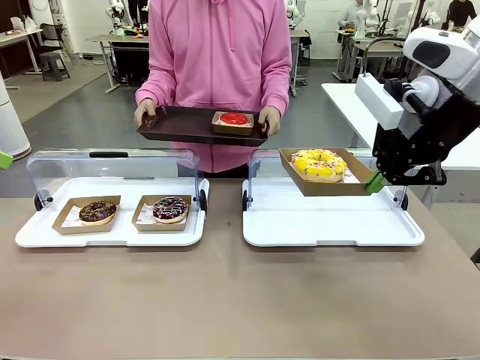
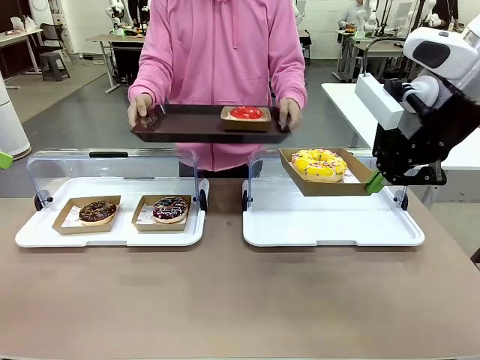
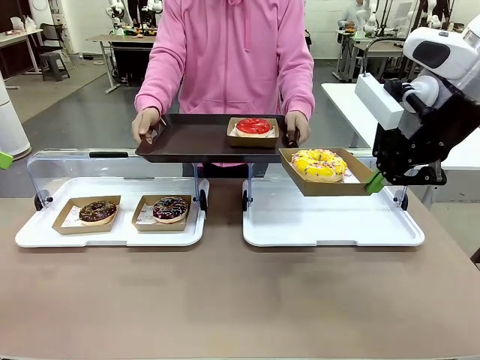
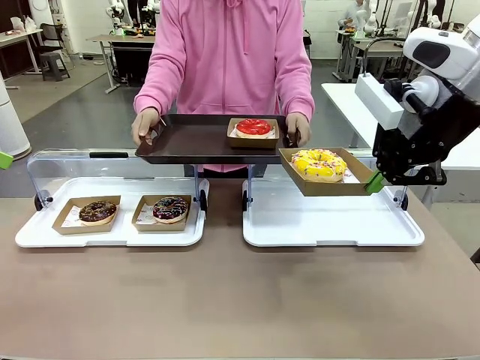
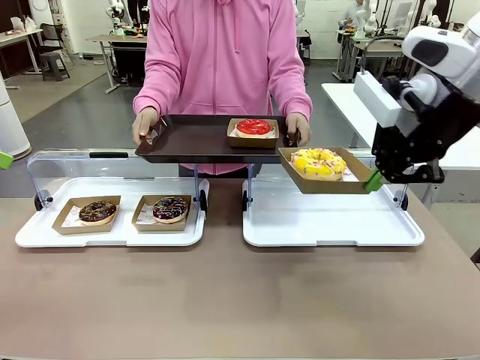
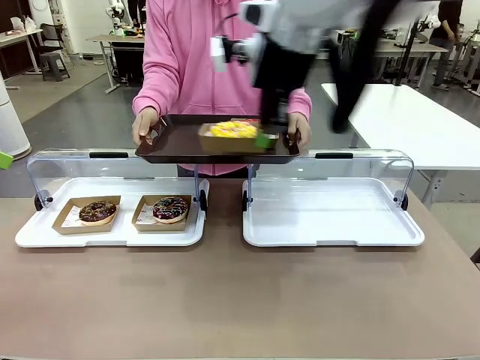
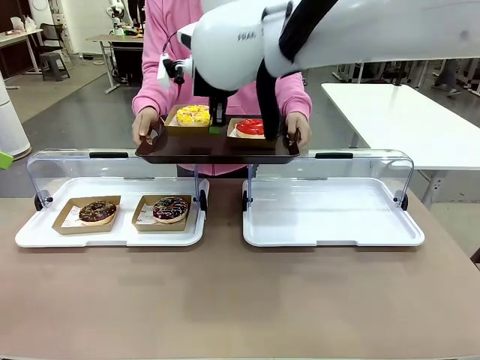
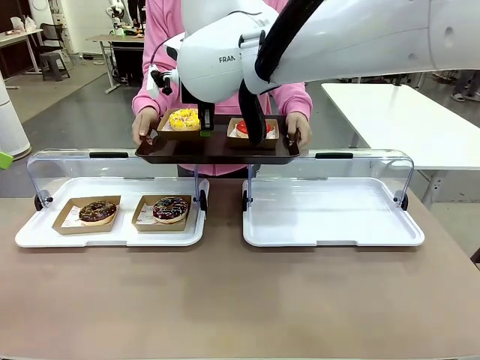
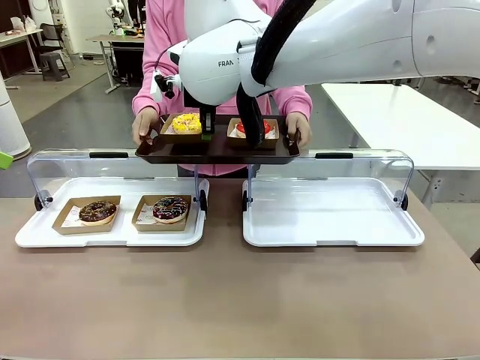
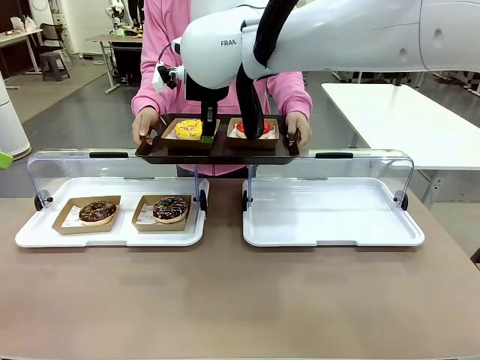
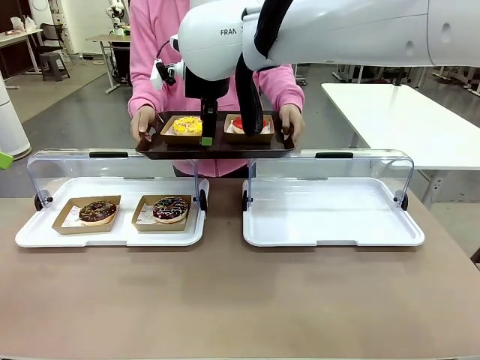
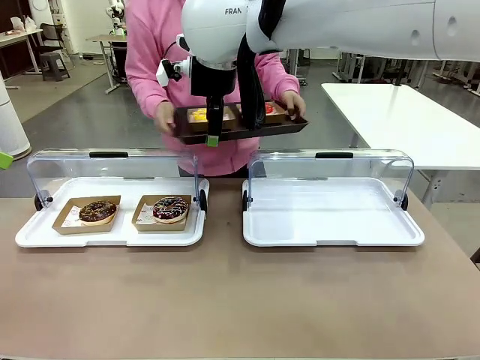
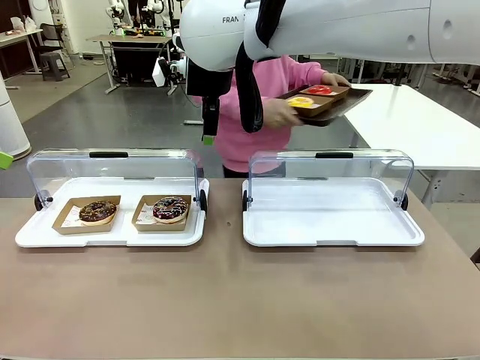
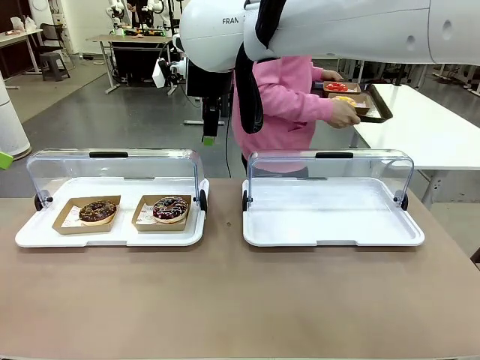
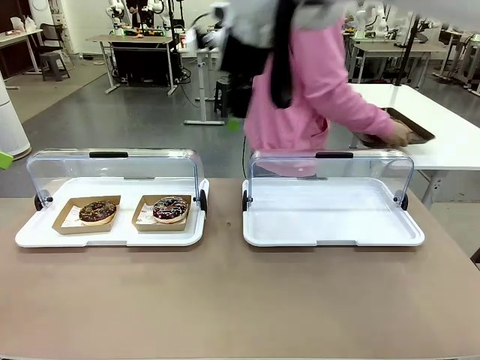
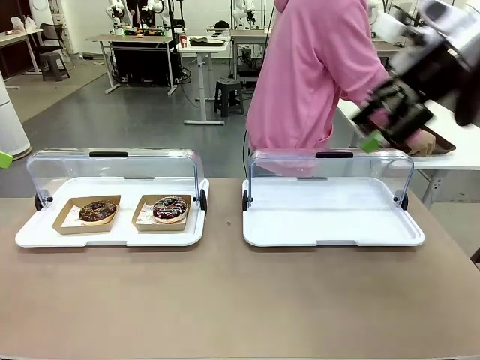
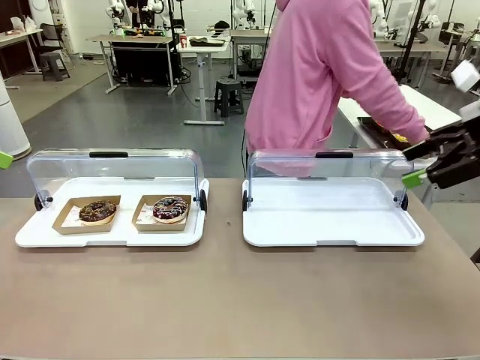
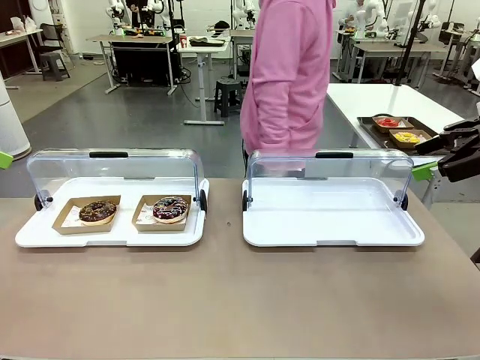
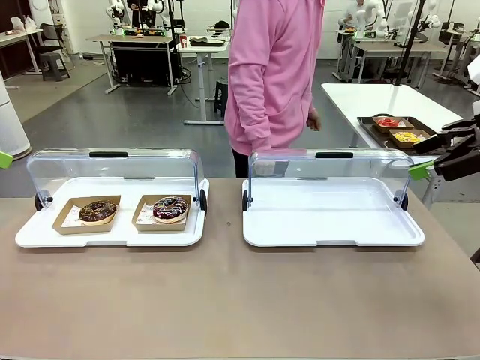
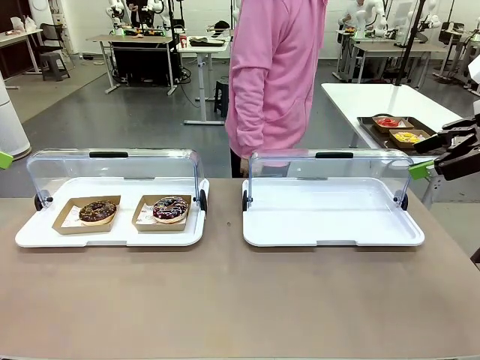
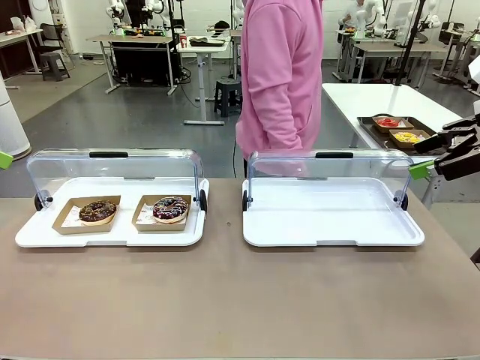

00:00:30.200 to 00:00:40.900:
Task: Provide the desired donut to the person.
Robot: Place the picked Paper togo box onto the Handle tray extended by the person.
Person: Place the tray in the middle of the human table.

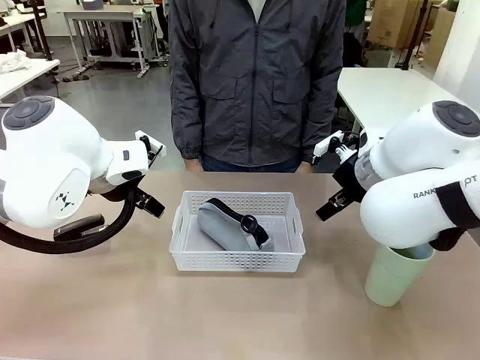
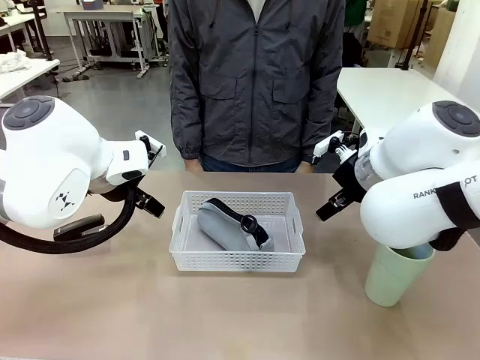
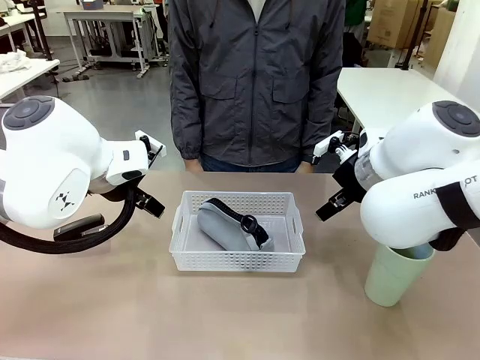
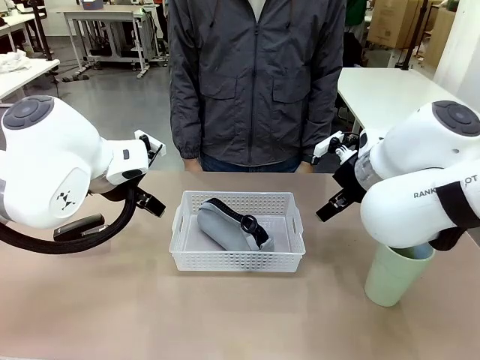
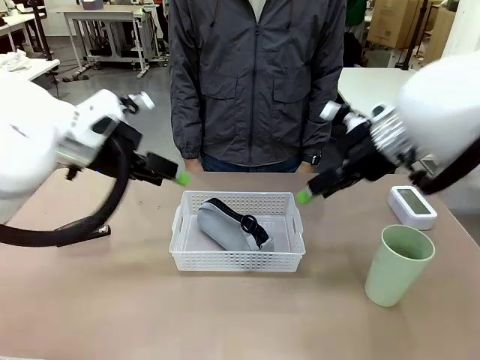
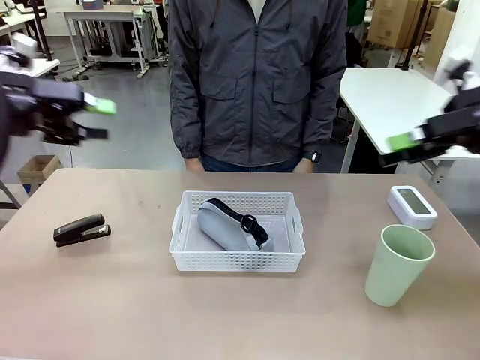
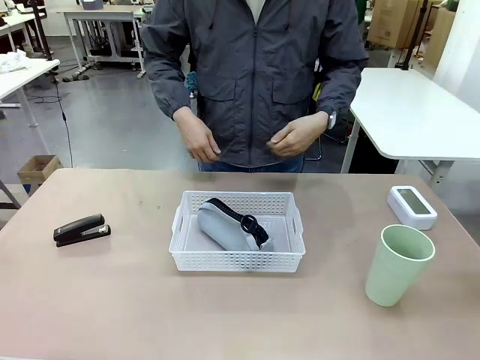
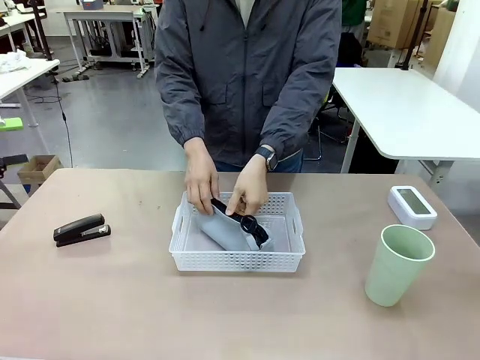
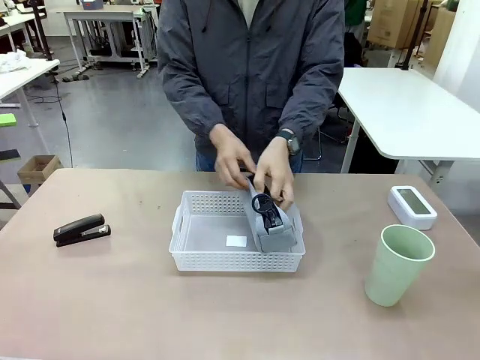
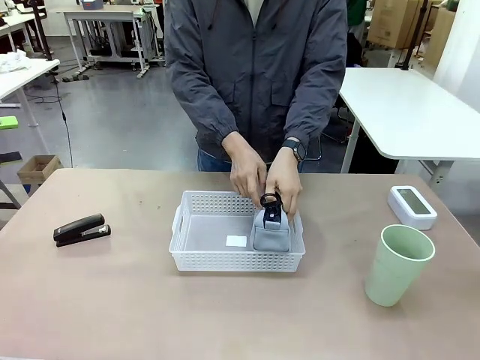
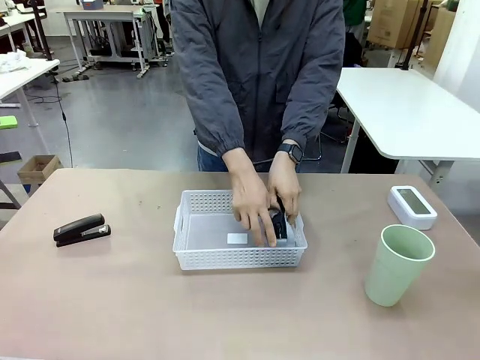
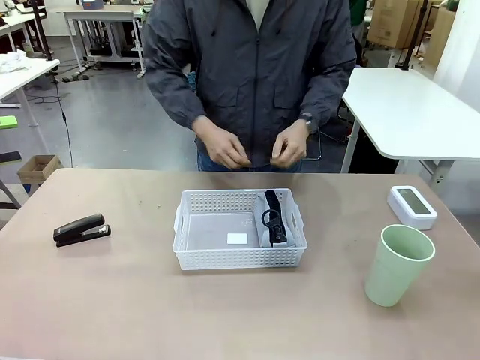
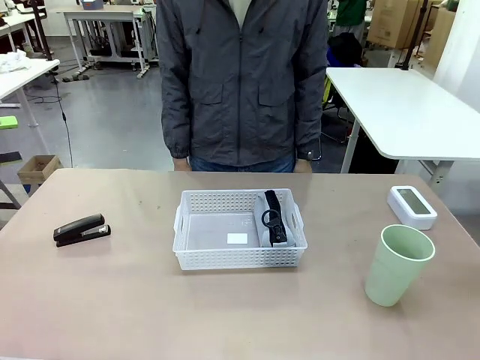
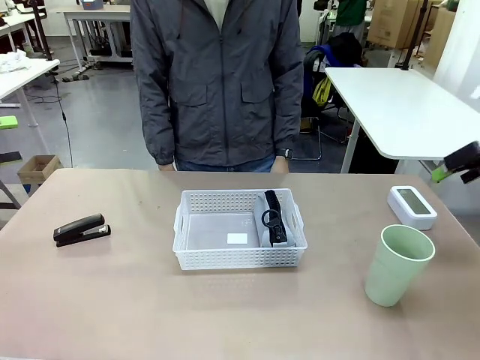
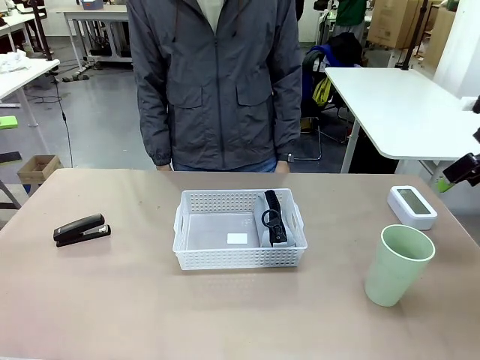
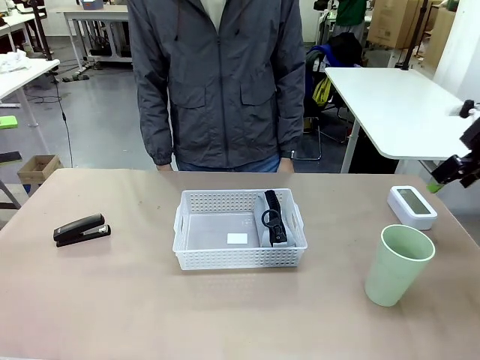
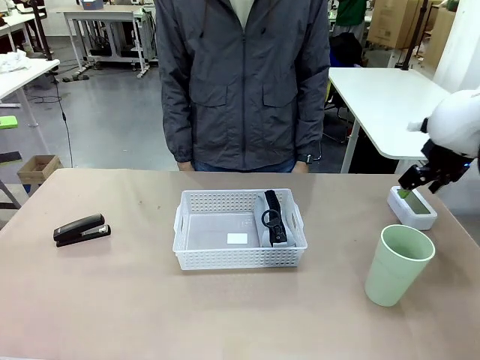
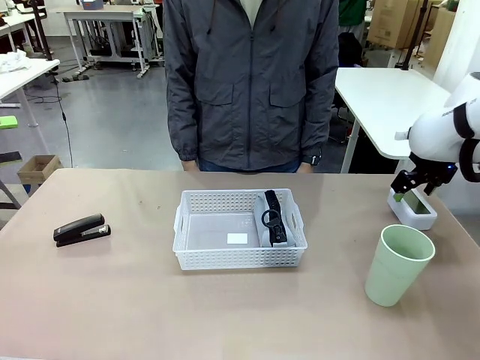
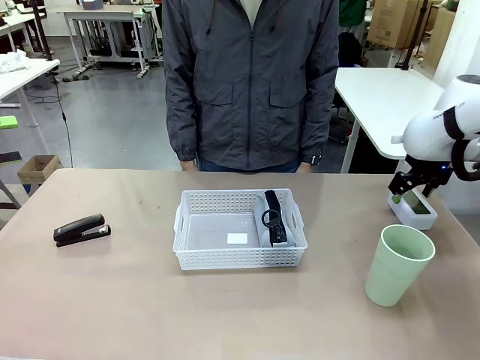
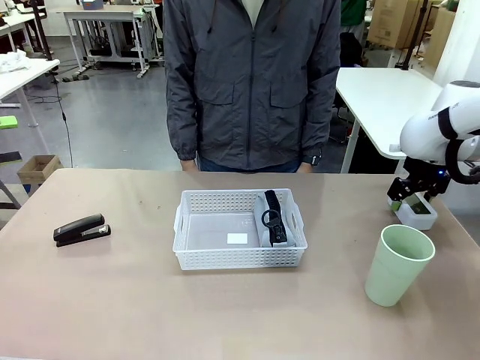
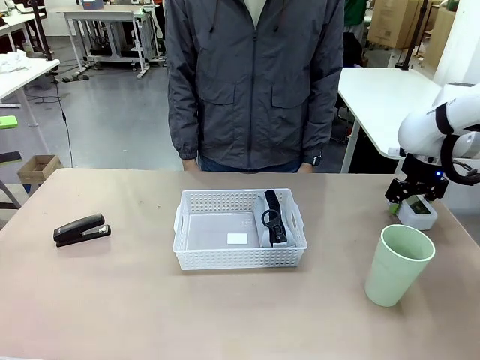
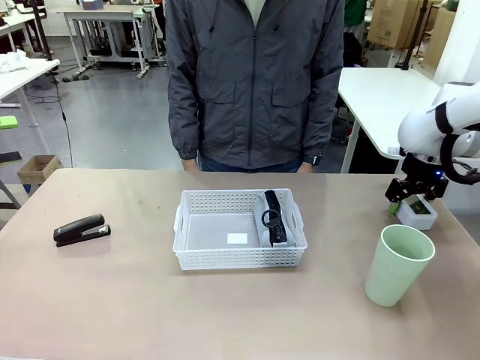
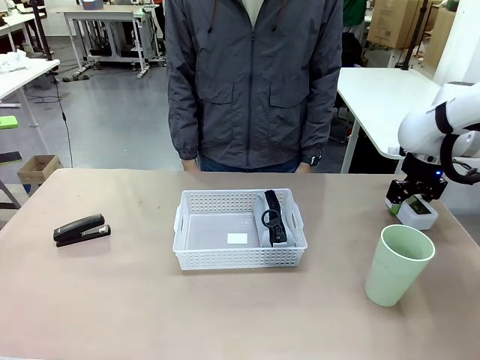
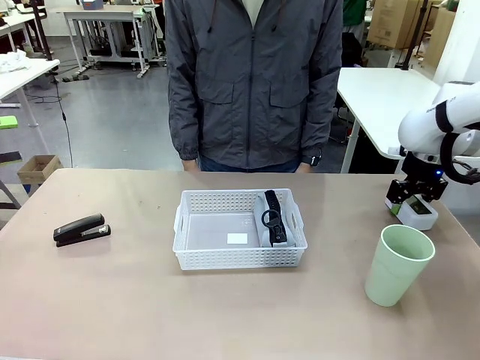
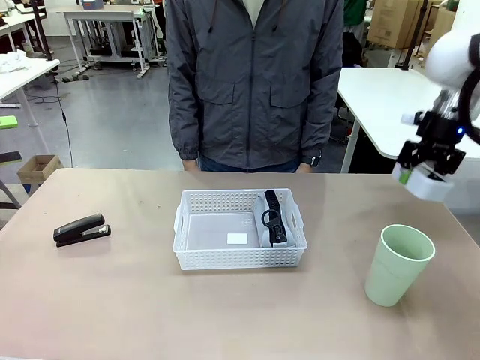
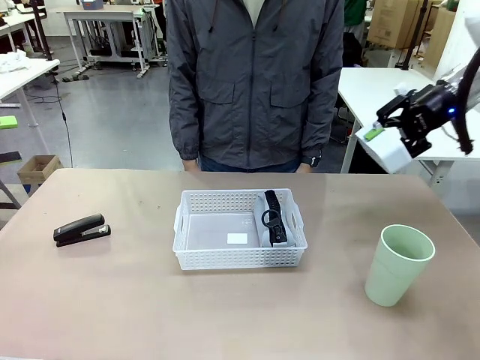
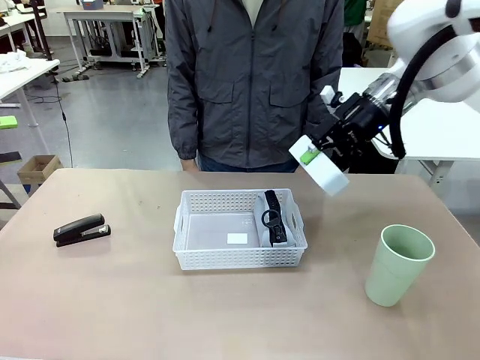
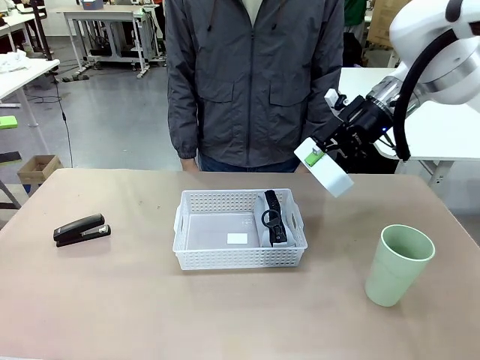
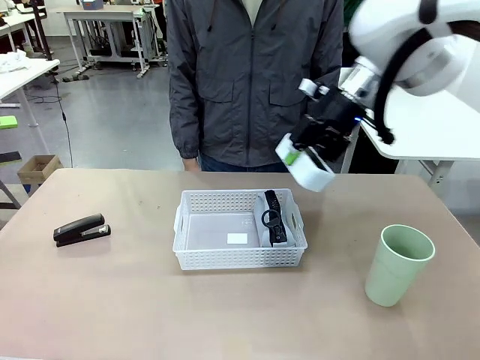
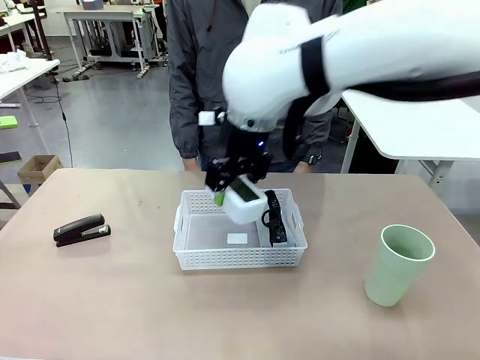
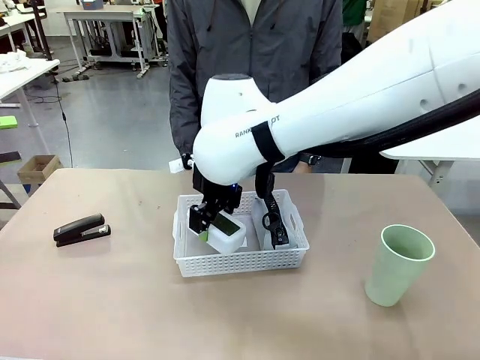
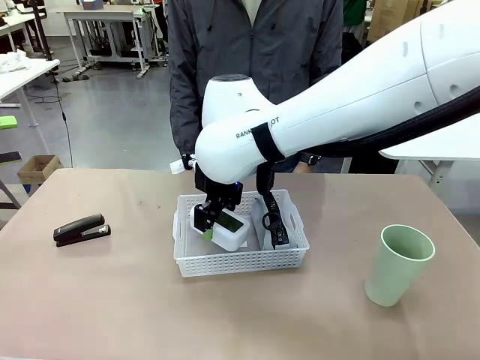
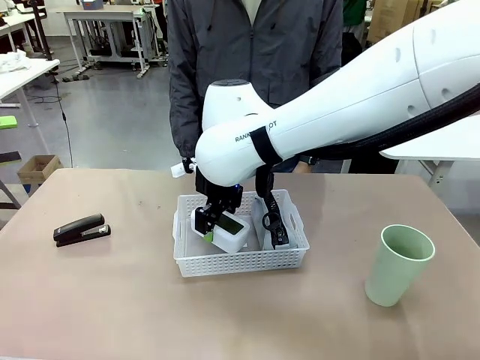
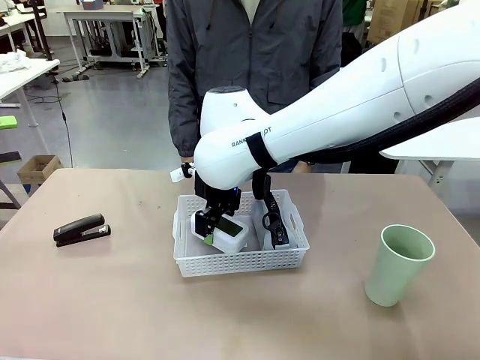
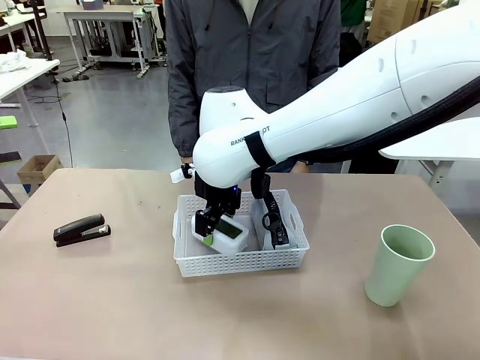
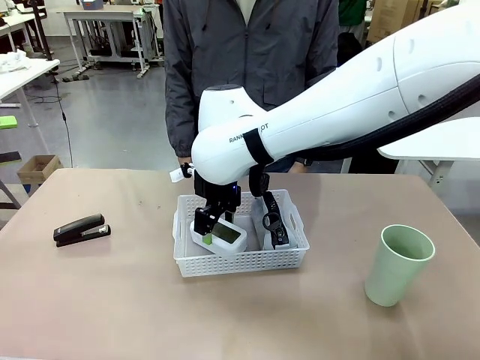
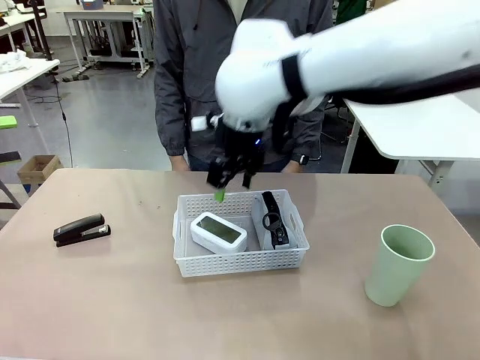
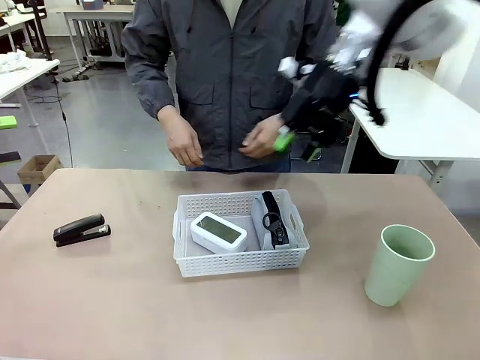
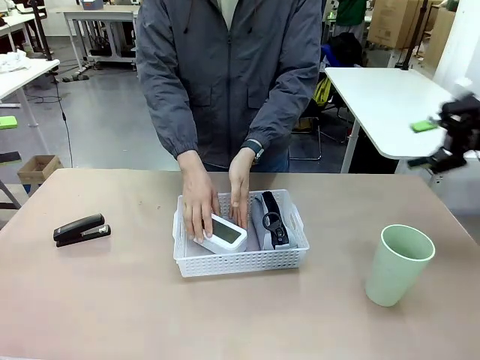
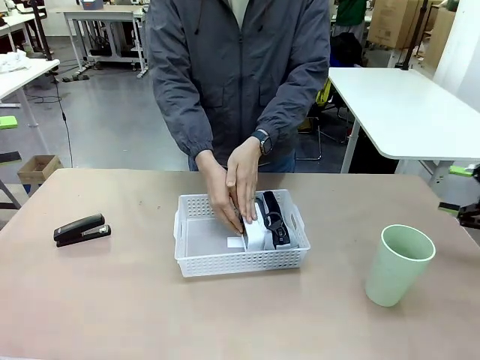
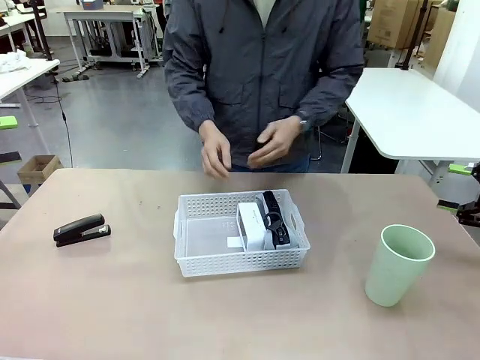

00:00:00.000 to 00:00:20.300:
Task: Efficiently arrange items inside the basket to fit them all.
Robot: Pick up the Digital clock and place it inside the Organizing basket.
Person: Repositions the pencil case. Repositions the digital clock.
